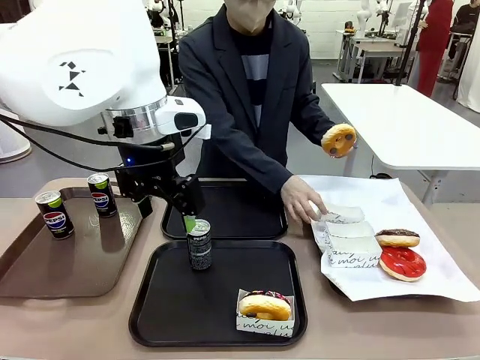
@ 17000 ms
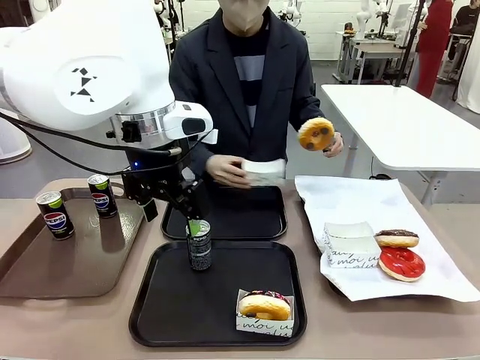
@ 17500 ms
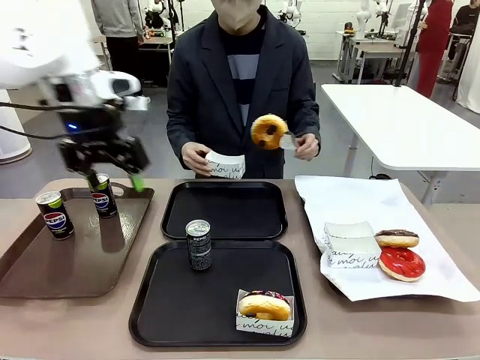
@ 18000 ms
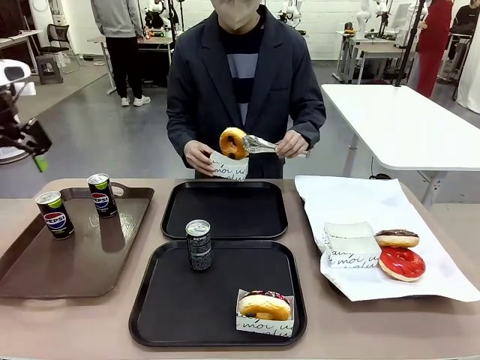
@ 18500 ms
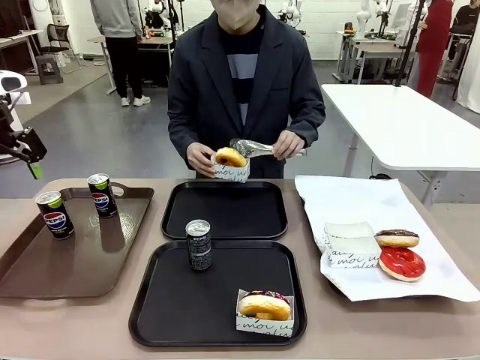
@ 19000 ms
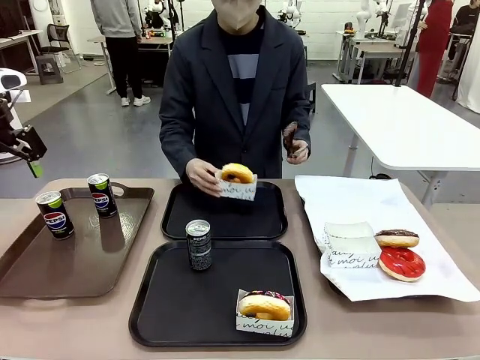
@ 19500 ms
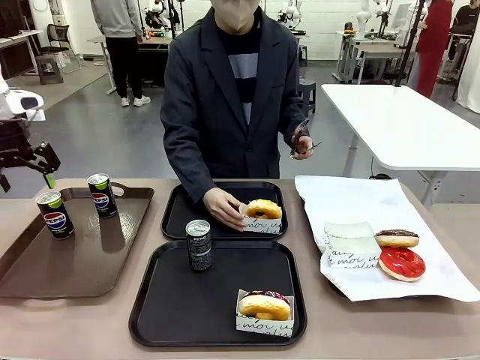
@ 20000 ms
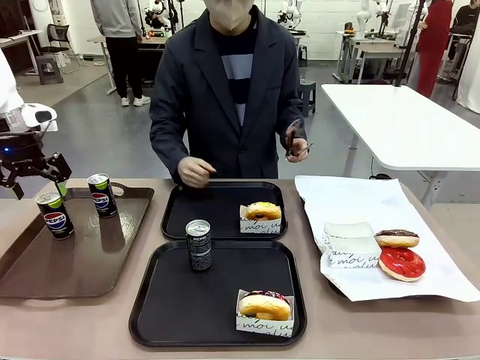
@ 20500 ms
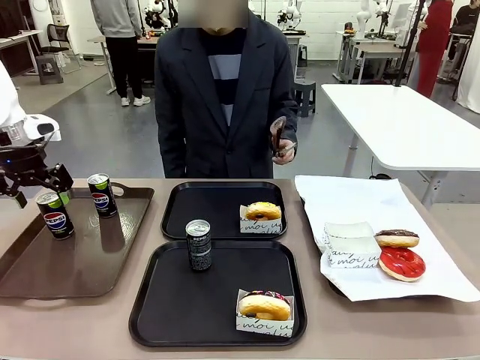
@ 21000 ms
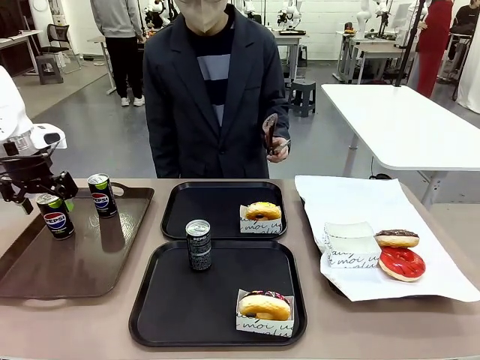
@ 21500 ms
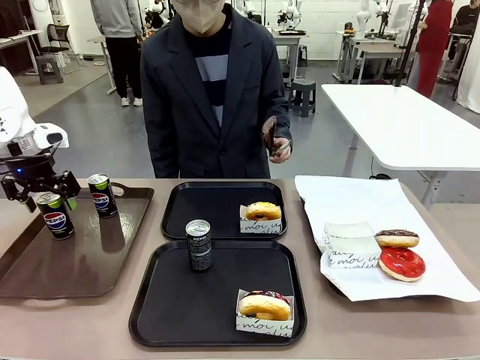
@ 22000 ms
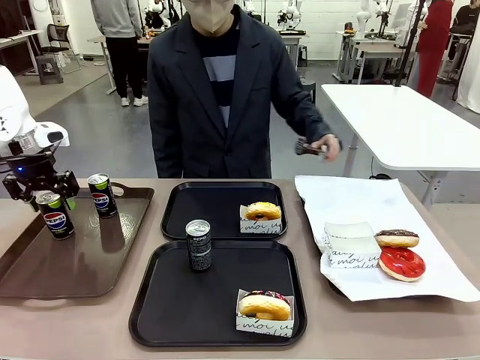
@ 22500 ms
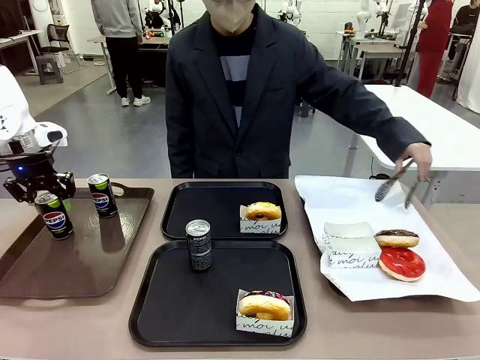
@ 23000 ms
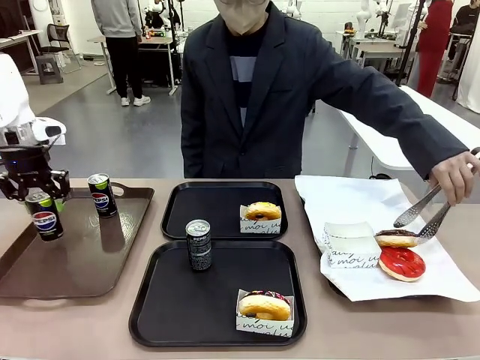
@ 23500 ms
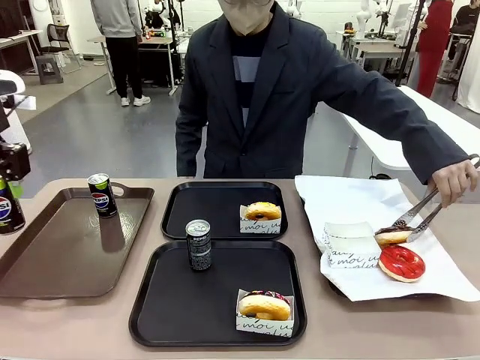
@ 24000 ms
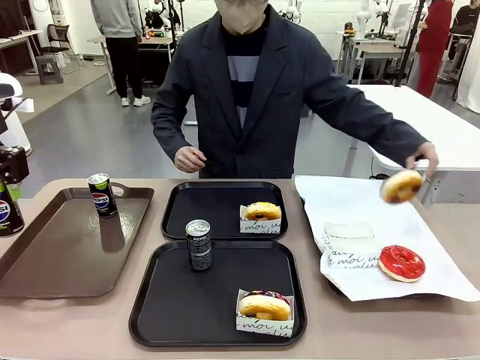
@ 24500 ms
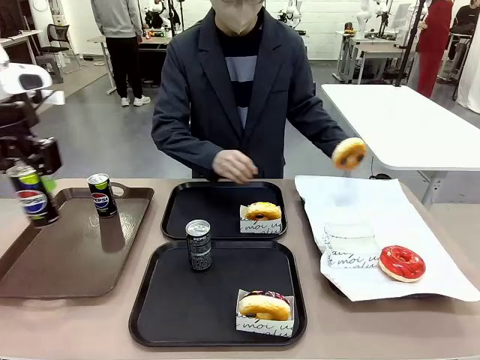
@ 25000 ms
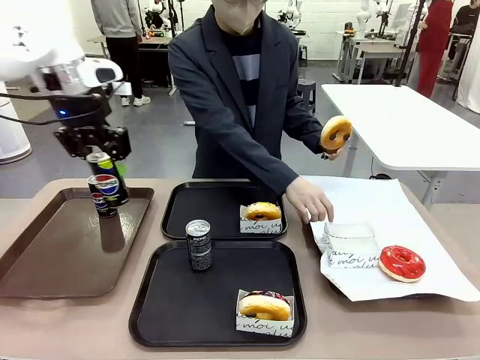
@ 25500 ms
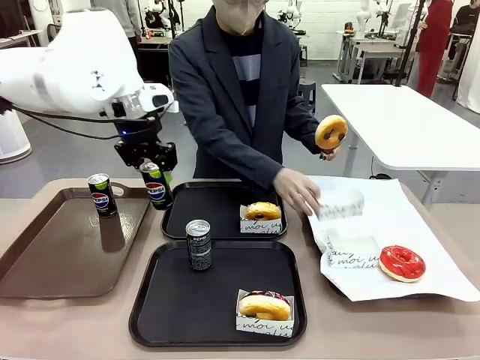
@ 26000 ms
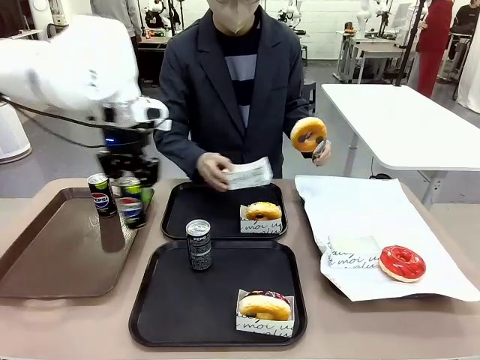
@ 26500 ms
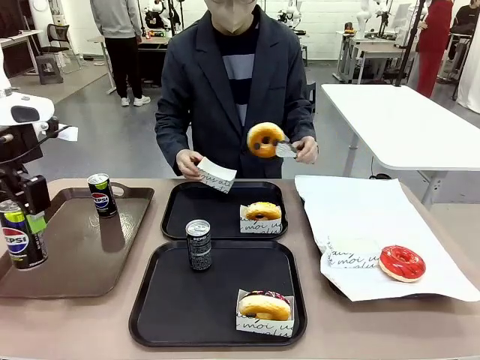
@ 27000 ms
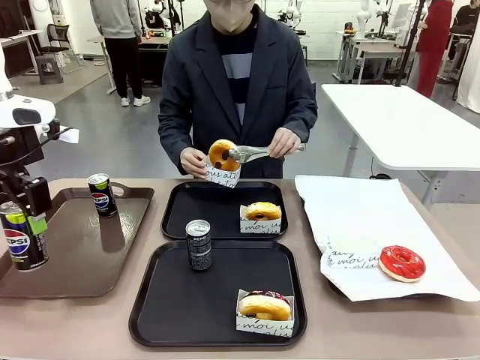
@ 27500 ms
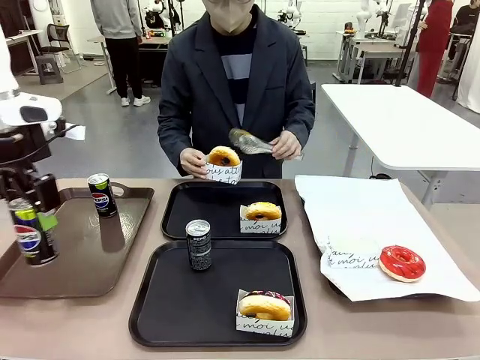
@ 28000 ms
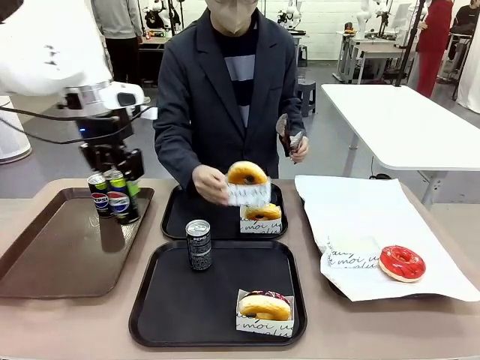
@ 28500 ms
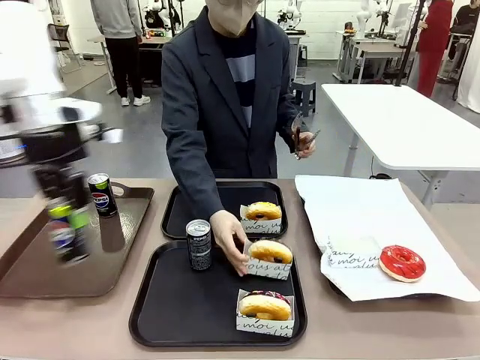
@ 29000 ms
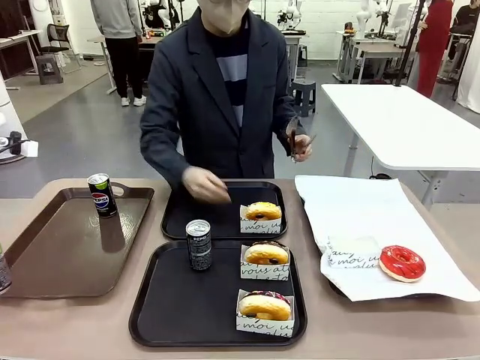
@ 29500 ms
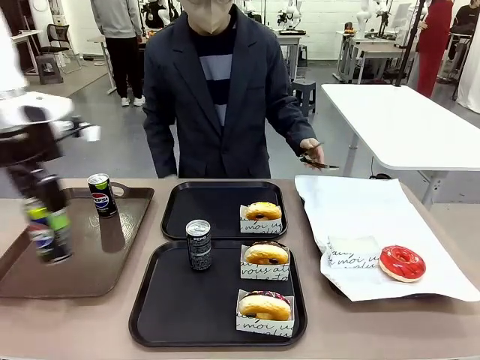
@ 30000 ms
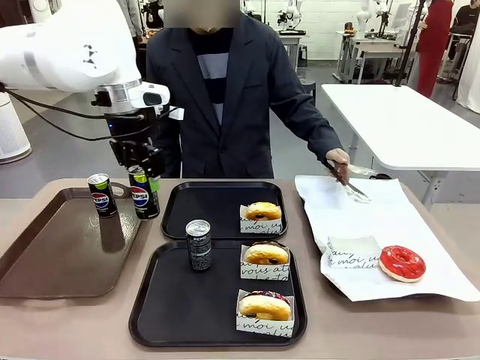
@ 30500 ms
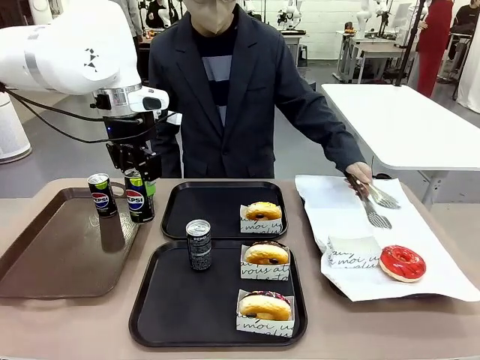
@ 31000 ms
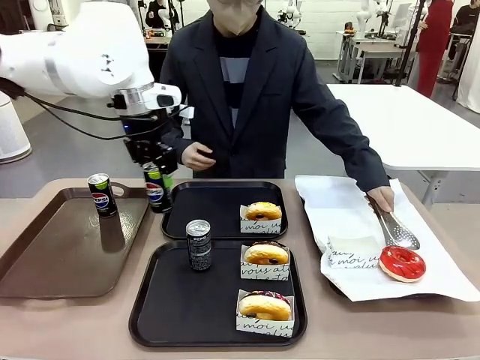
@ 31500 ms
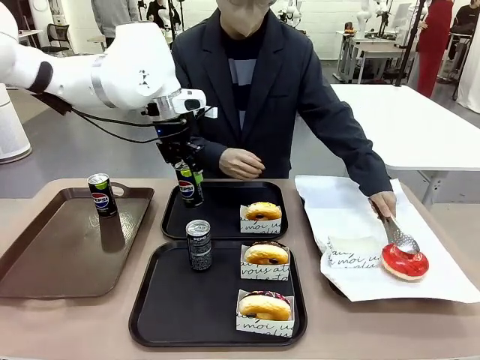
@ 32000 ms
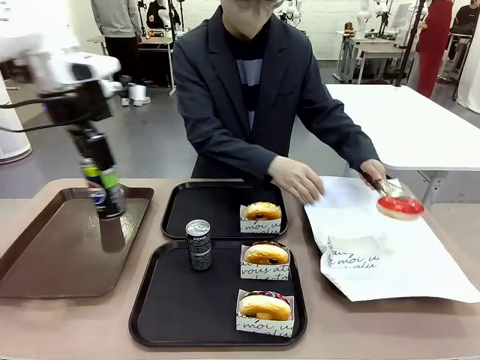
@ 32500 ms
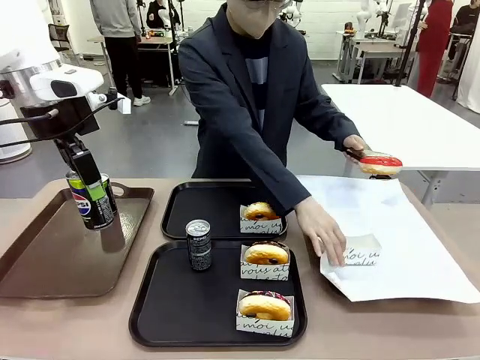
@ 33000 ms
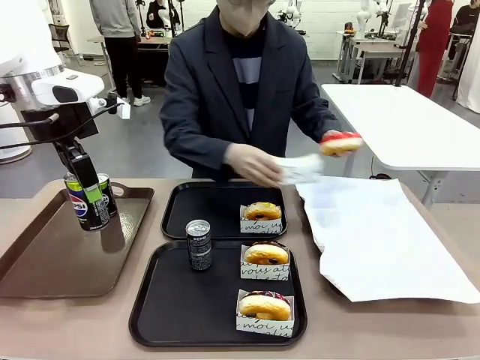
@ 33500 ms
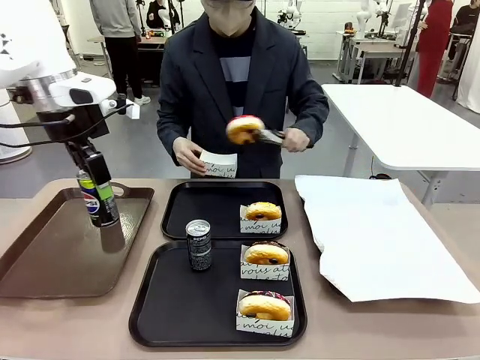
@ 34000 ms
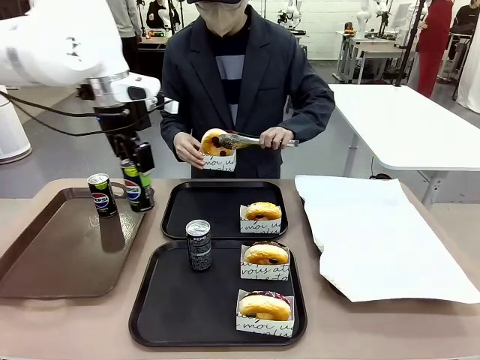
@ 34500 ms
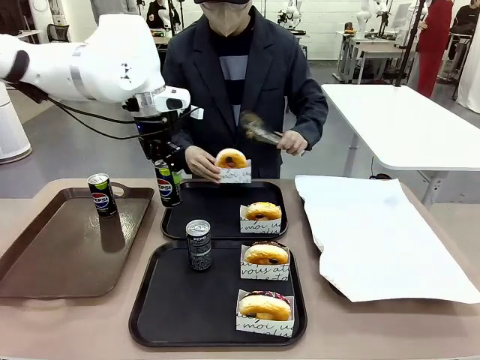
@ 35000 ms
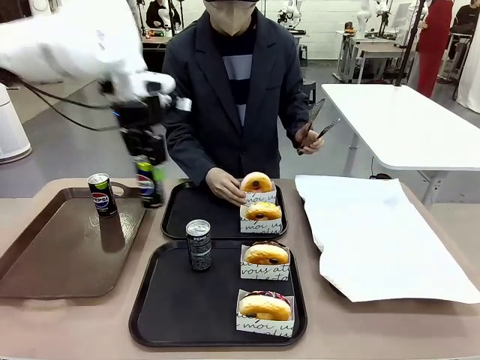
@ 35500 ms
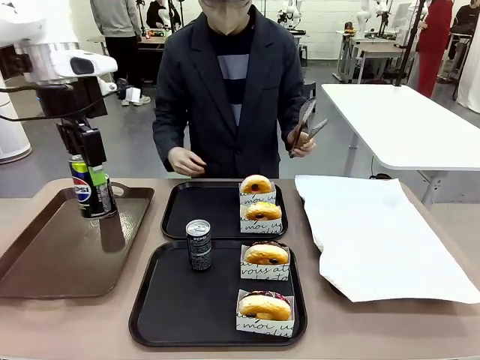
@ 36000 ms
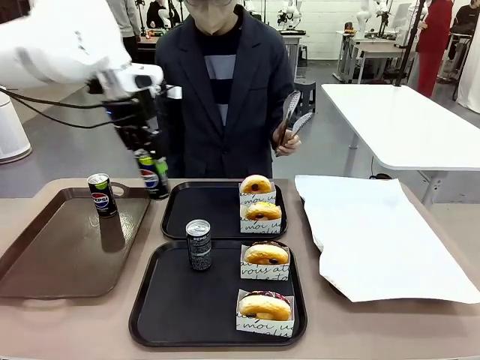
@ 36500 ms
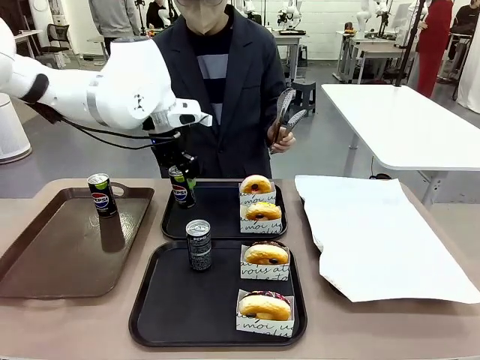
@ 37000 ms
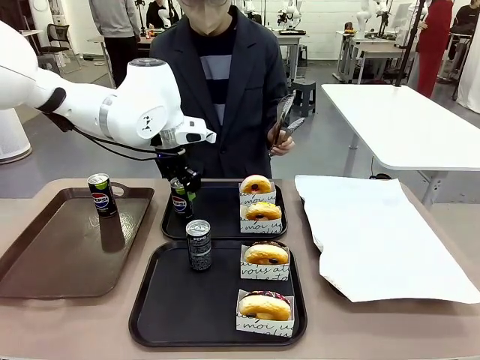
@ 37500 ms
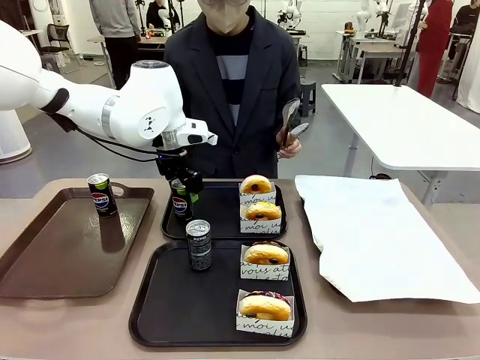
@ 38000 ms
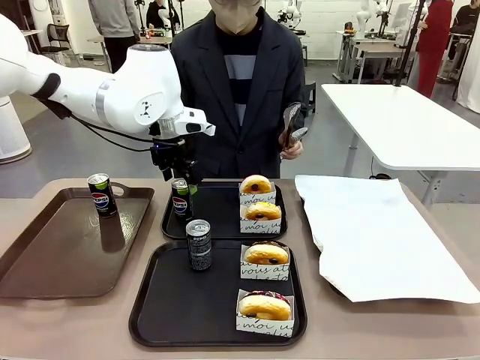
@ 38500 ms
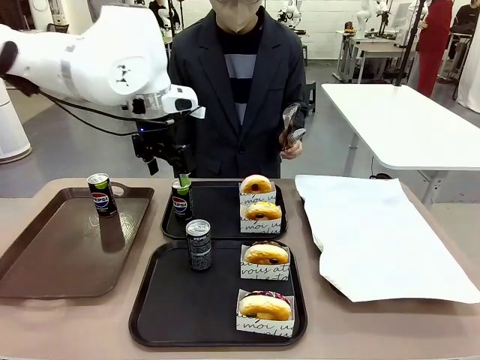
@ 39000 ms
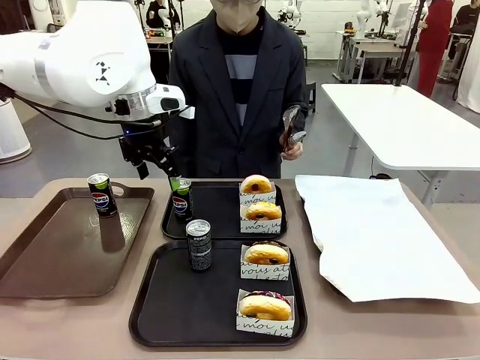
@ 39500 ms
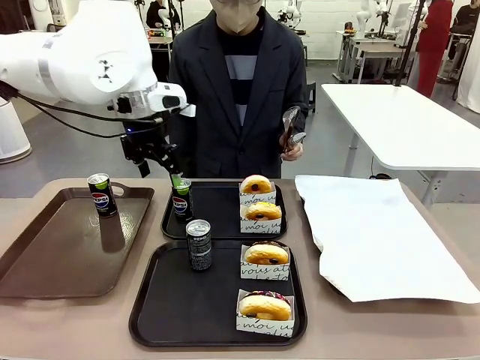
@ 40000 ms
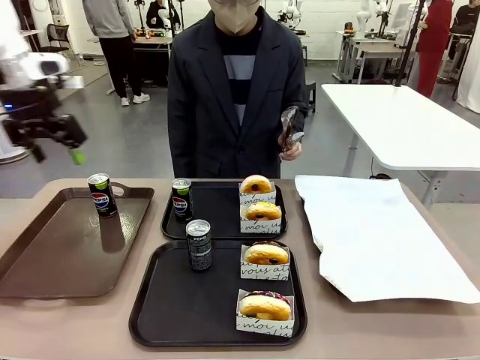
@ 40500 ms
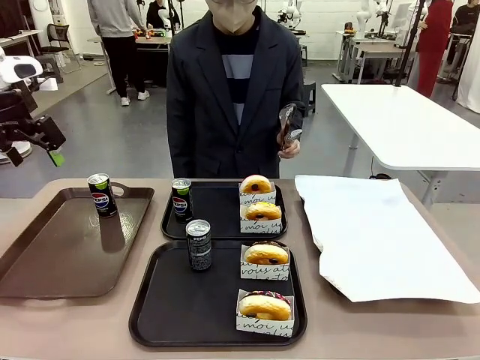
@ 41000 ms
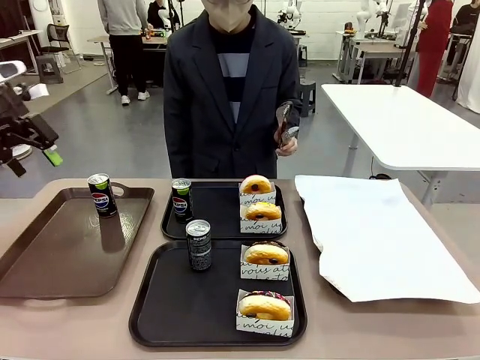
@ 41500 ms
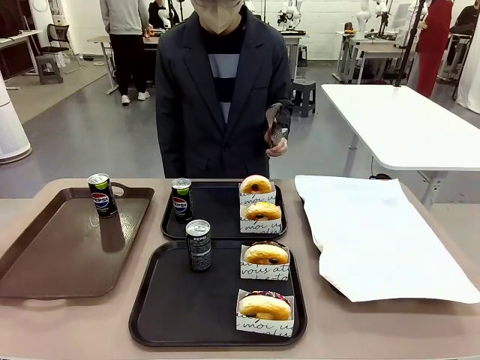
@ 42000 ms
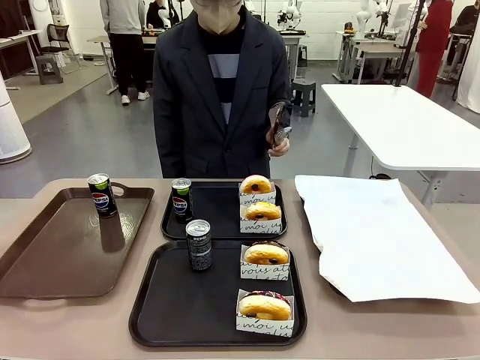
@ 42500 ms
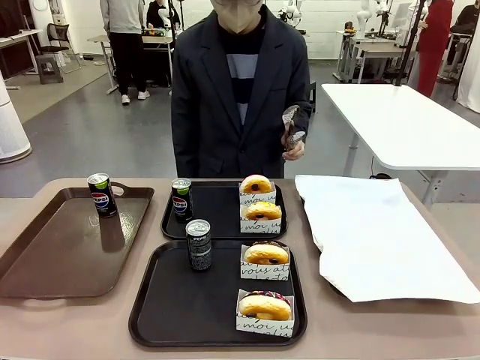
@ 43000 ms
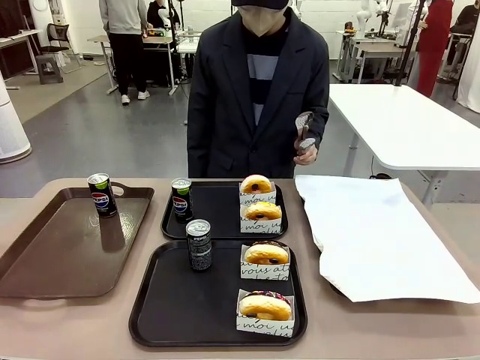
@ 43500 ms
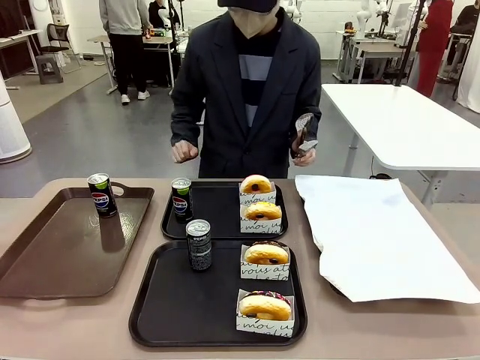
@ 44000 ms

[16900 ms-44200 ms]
Task: Set up donuts and drinks on trays.
Robot: Pick up one Pepsi coke from the Handle tray and place it on the Flat Tray without a Pepsi coke.
Person: Pick up one donut with tongs, place it in the donut tray, and then place the donut tray on the flat tray.
